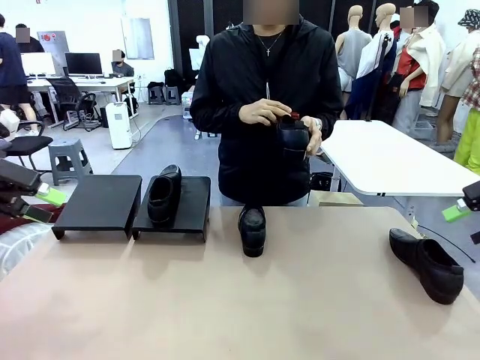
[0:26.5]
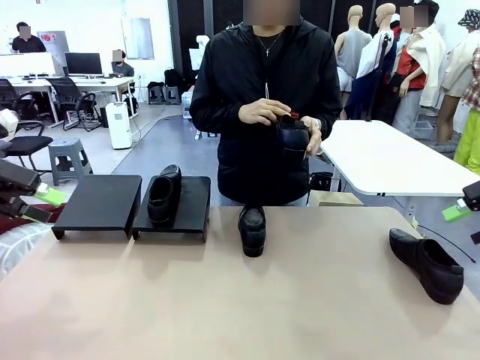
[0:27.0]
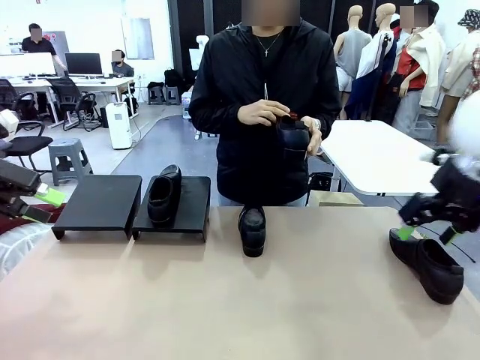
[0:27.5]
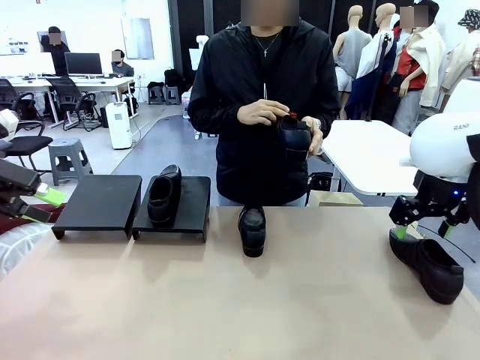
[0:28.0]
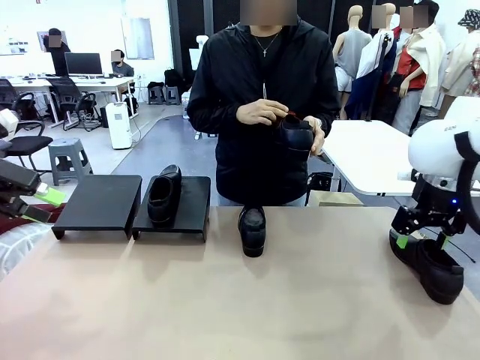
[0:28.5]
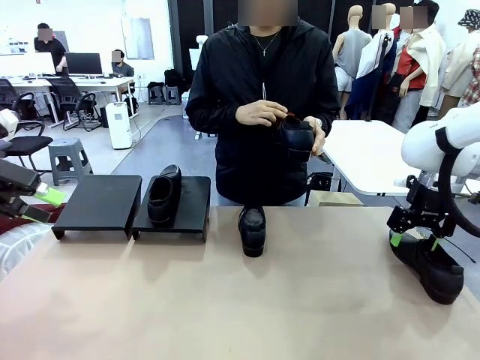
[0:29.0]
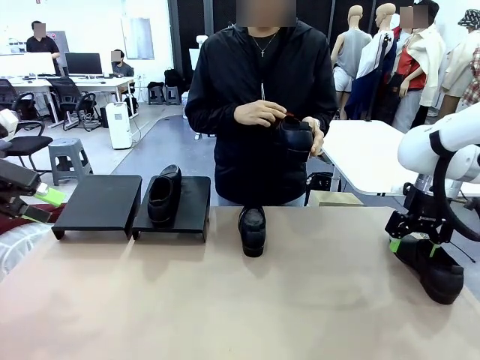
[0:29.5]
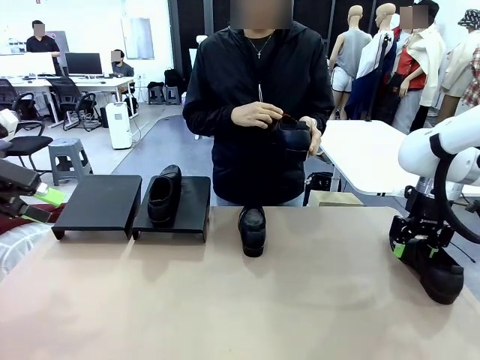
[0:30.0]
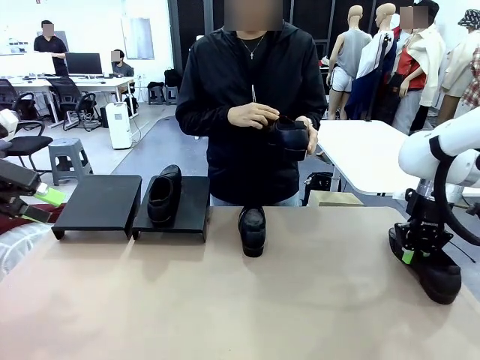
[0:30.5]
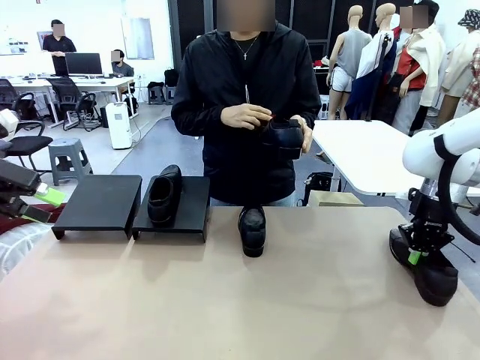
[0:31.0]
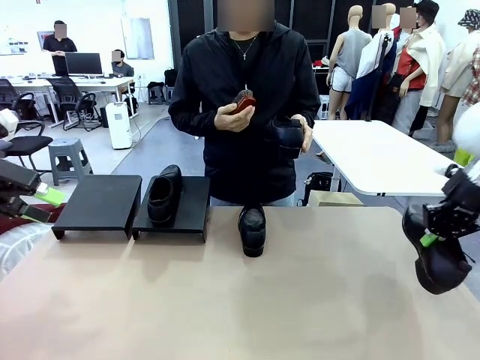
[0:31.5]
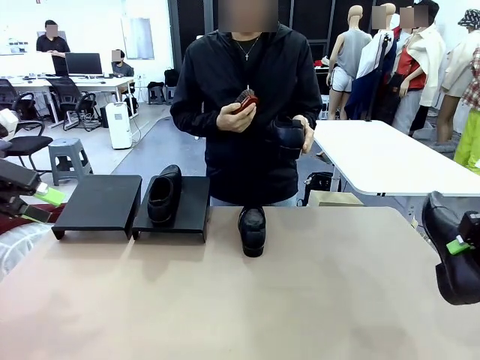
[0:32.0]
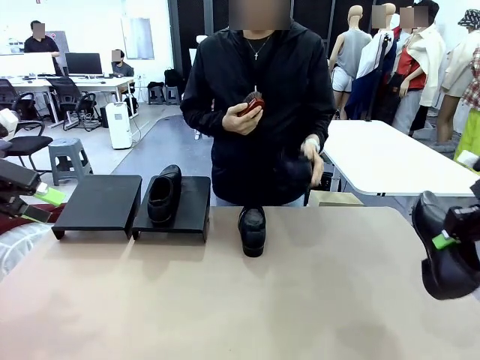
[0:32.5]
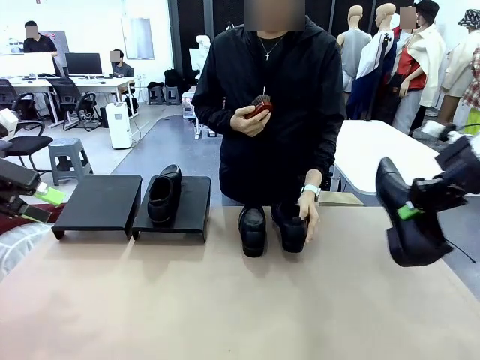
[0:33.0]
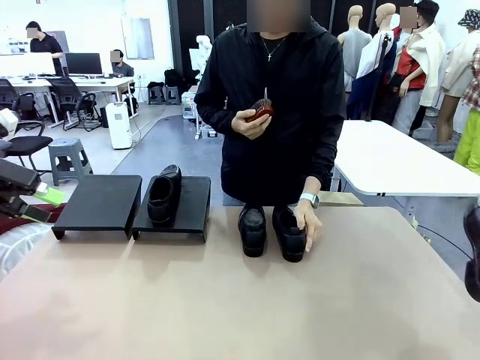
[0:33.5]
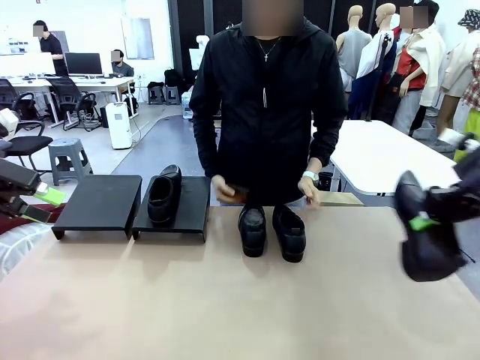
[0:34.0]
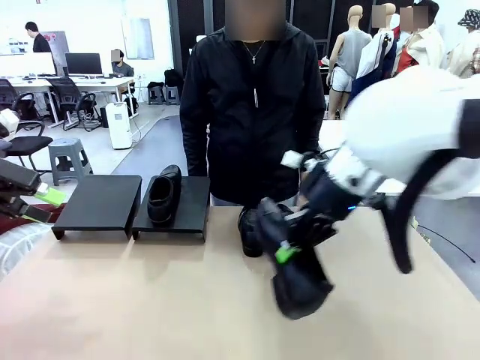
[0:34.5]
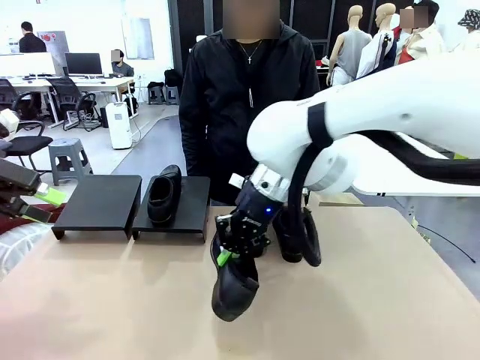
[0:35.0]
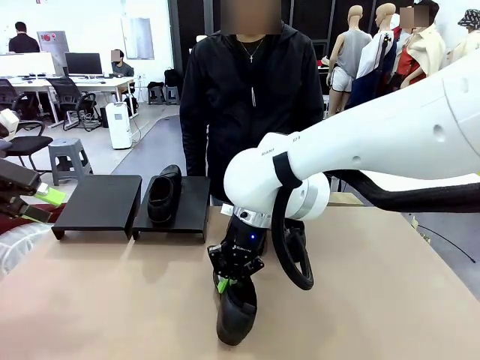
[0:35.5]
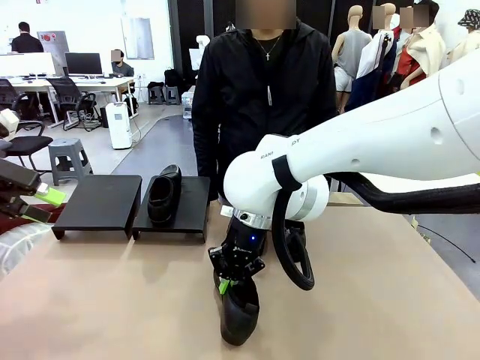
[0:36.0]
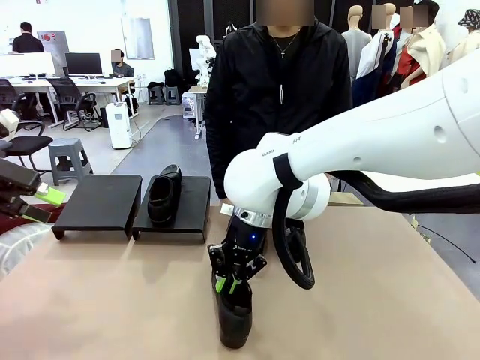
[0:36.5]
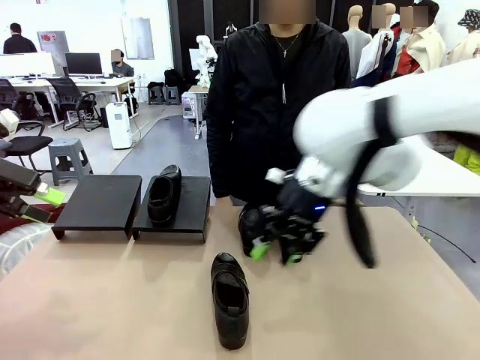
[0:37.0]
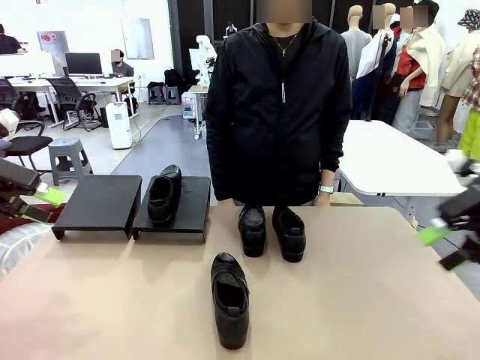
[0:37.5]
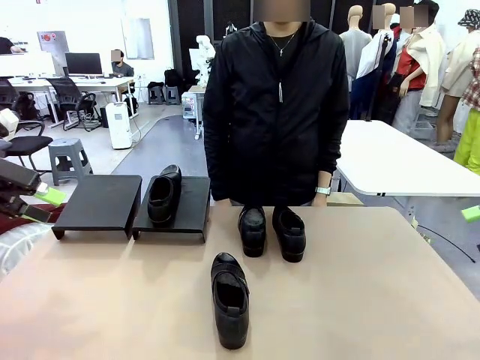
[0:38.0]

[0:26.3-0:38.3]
Task: Organize the shoes by placing them on the stand.
Robot: Pick up one Shoe and place it in the middle of the table.

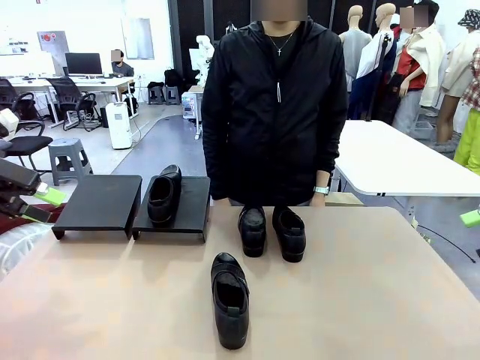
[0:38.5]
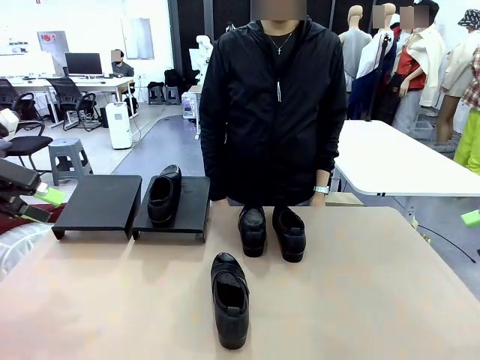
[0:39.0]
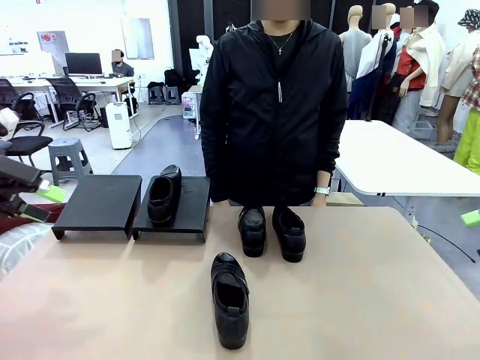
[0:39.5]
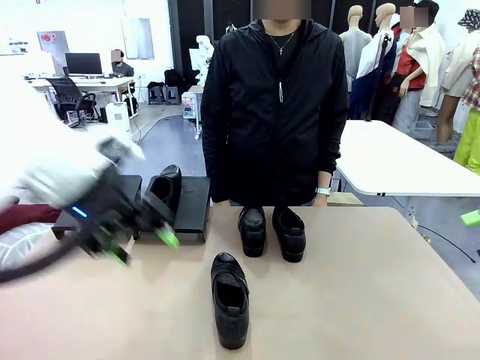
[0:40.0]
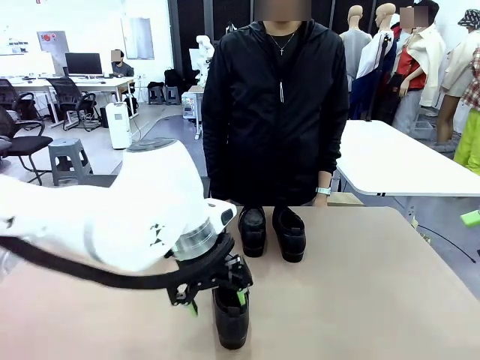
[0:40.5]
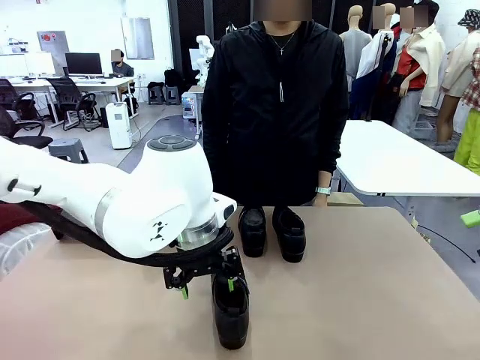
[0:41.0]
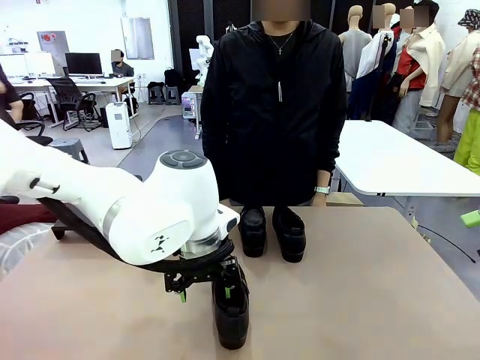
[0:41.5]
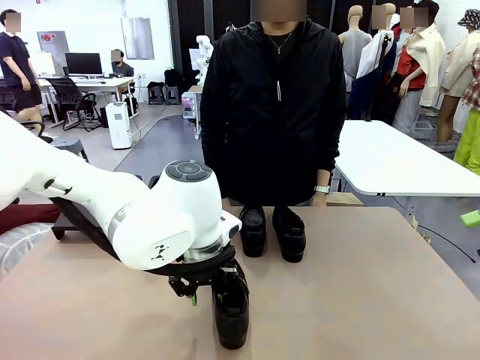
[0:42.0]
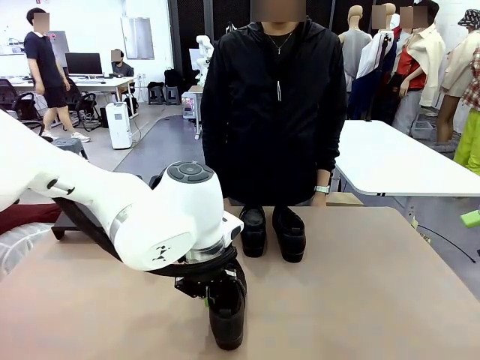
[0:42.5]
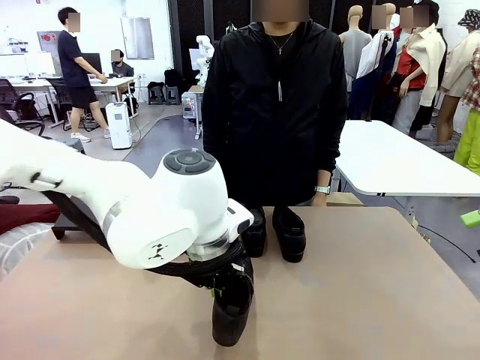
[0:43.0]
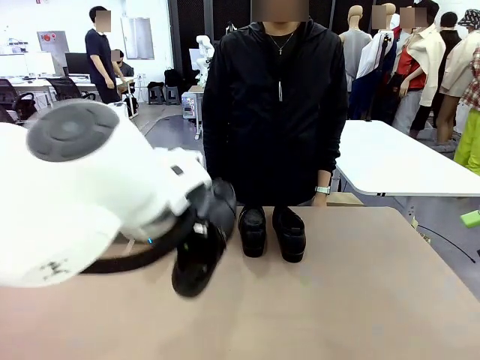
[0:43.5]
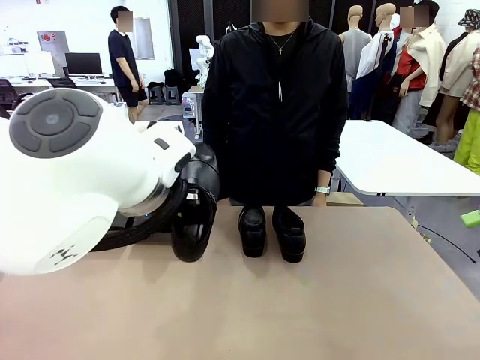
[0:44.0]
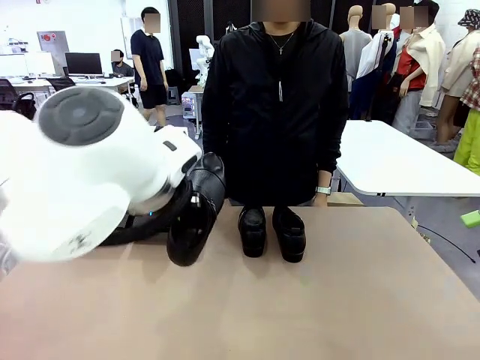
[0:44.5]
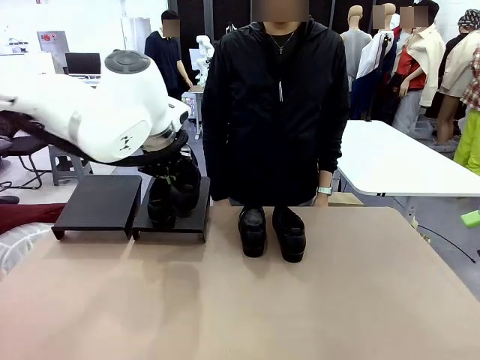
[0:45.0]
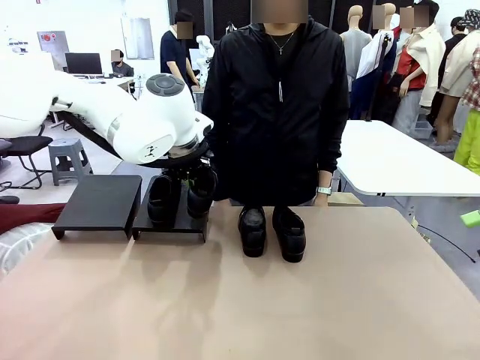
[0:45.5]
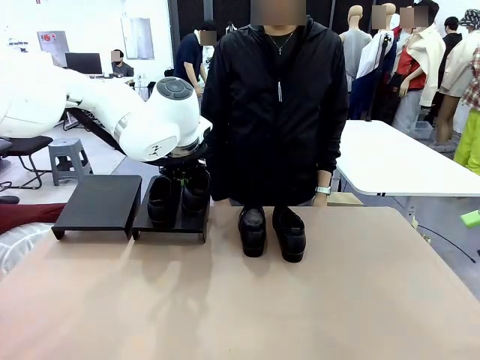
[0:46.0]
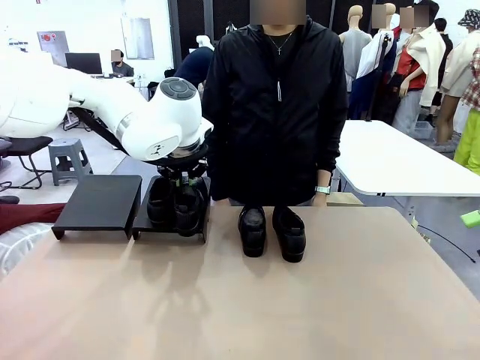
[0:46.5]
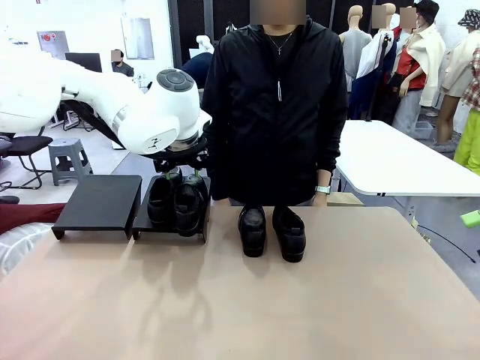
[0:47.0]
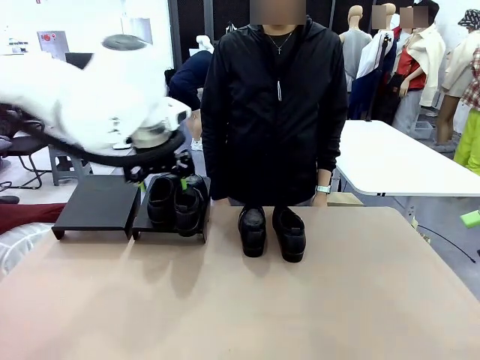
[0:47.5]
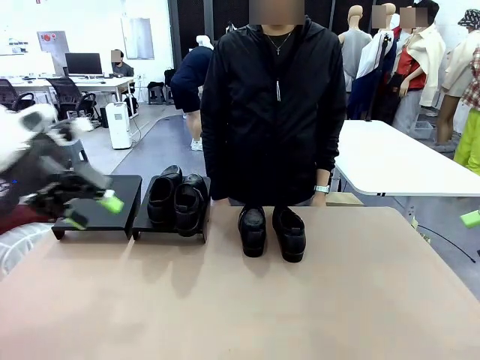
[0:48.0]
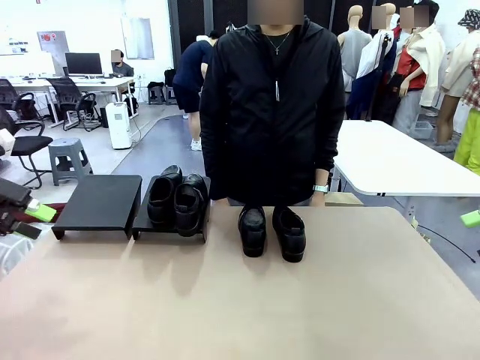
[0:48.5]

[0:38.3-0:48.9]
Robot: Place the Shoe from the middle of the table onto the Shoes Stand.
